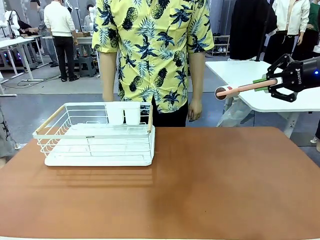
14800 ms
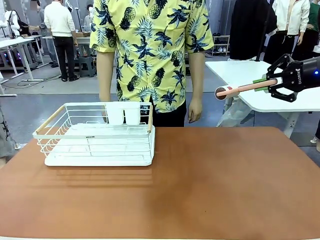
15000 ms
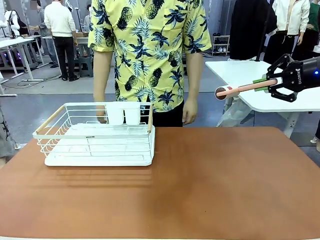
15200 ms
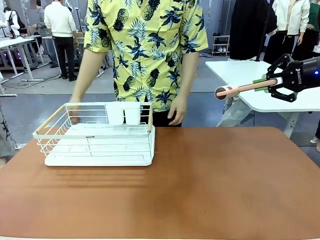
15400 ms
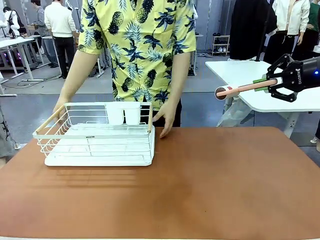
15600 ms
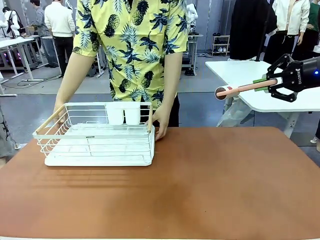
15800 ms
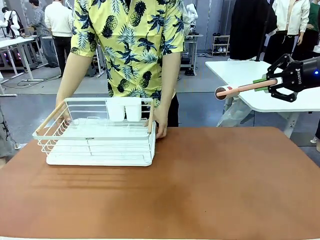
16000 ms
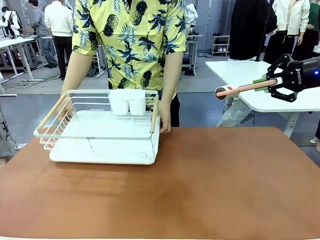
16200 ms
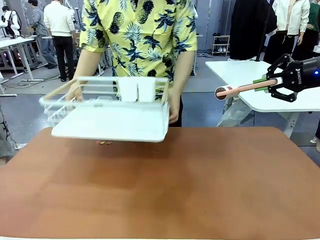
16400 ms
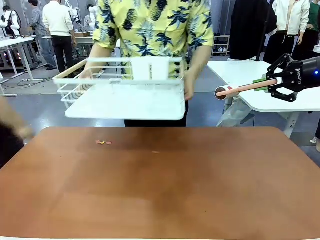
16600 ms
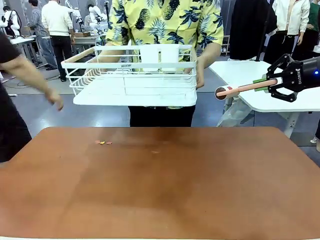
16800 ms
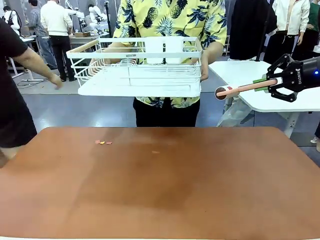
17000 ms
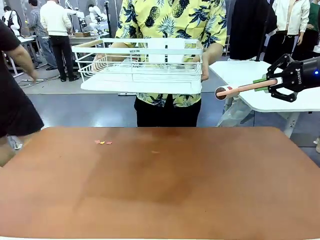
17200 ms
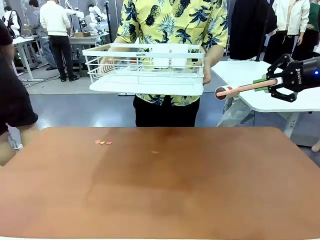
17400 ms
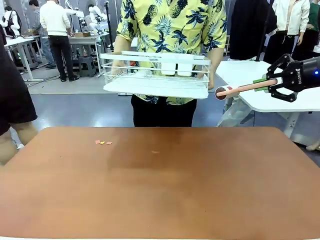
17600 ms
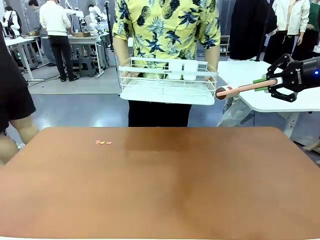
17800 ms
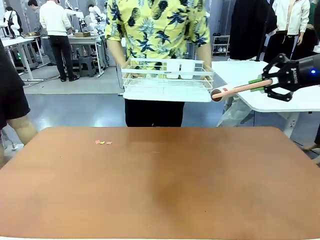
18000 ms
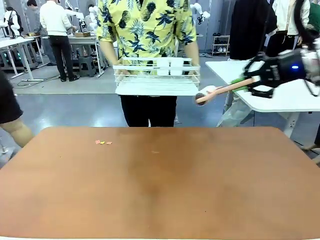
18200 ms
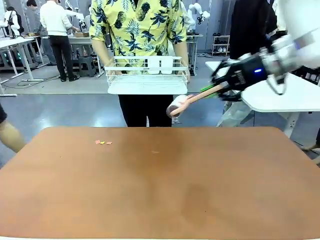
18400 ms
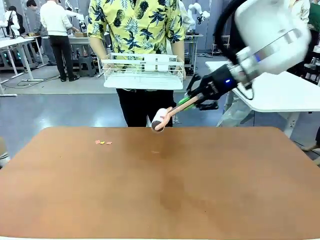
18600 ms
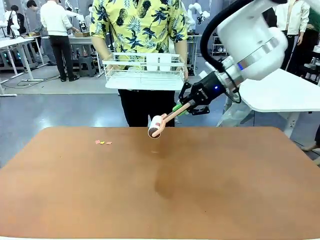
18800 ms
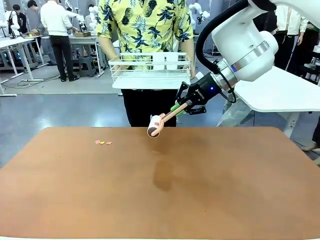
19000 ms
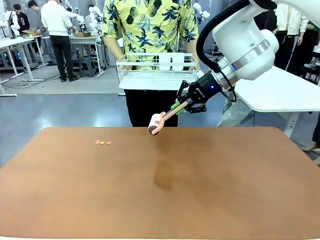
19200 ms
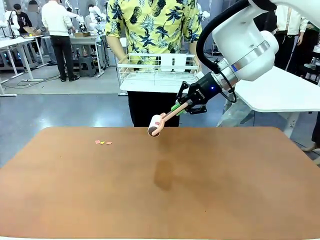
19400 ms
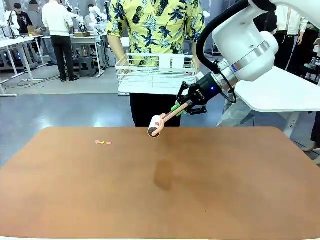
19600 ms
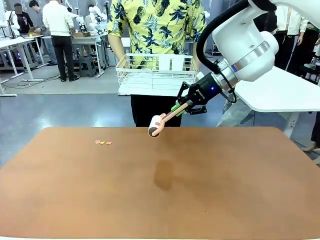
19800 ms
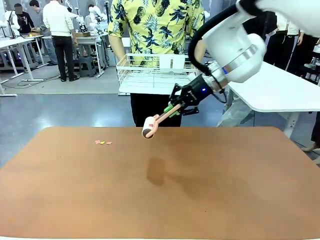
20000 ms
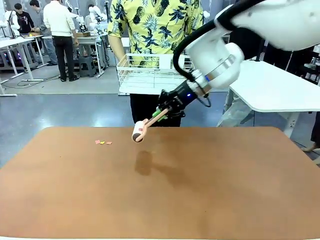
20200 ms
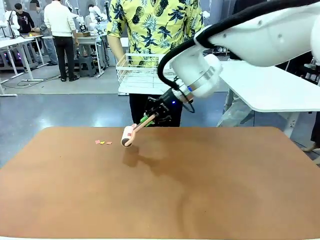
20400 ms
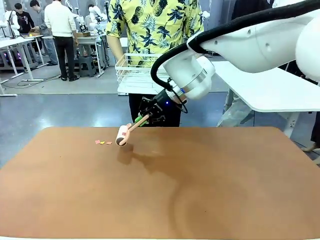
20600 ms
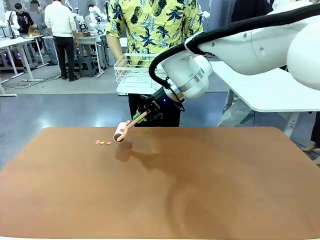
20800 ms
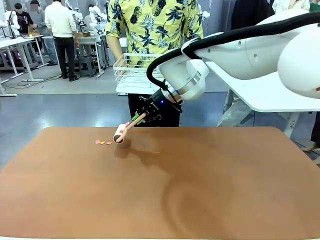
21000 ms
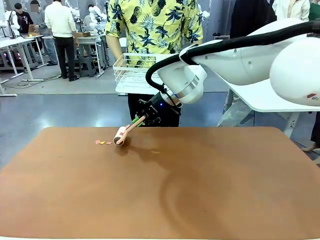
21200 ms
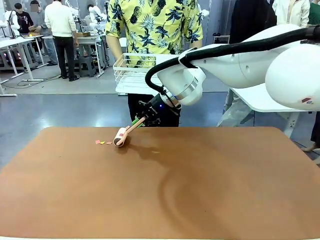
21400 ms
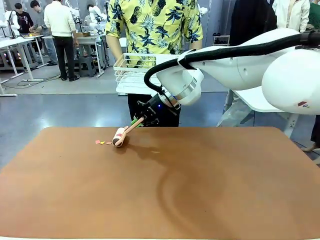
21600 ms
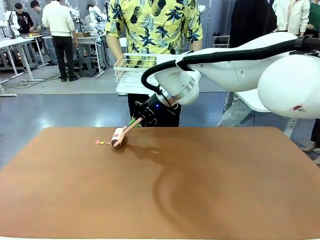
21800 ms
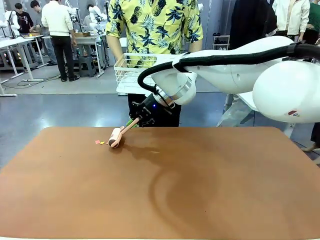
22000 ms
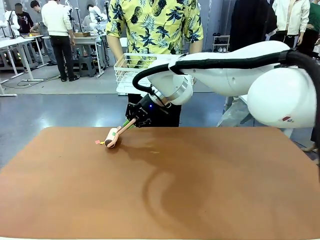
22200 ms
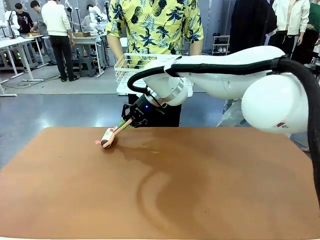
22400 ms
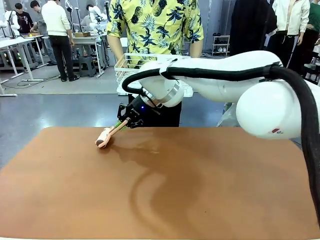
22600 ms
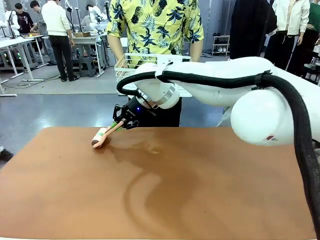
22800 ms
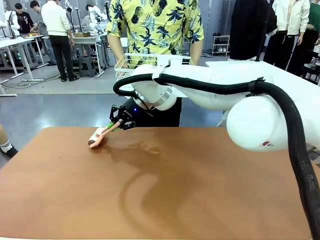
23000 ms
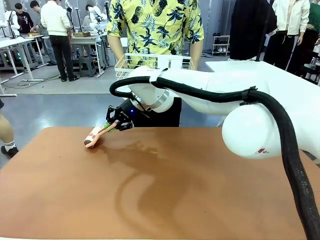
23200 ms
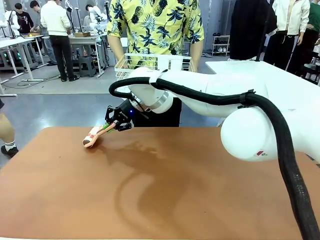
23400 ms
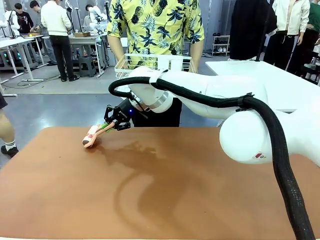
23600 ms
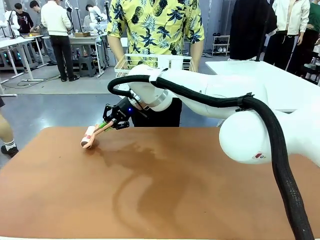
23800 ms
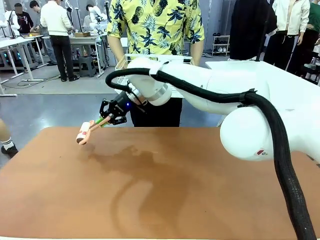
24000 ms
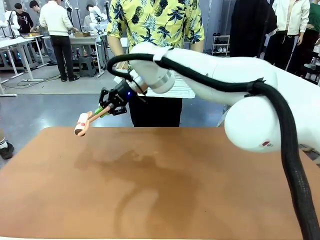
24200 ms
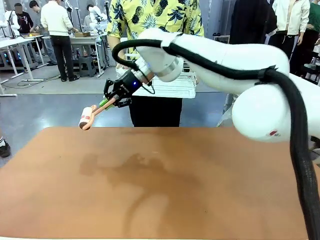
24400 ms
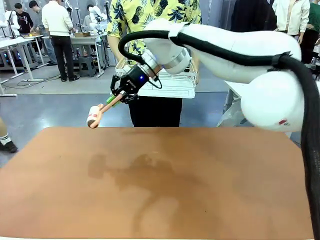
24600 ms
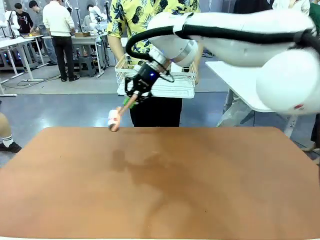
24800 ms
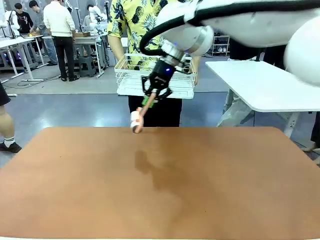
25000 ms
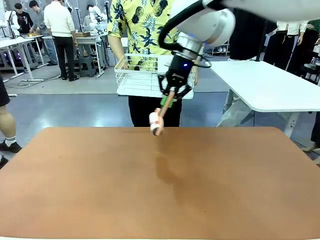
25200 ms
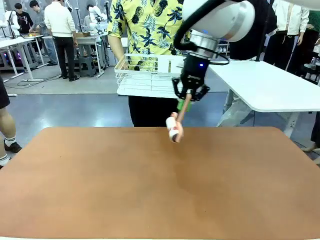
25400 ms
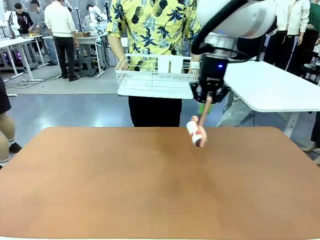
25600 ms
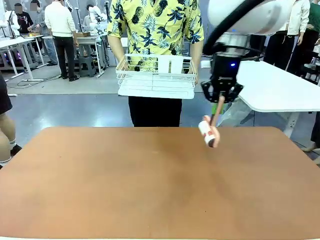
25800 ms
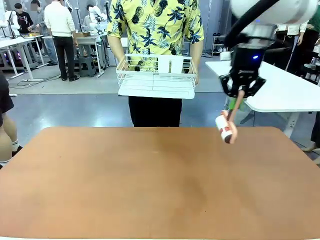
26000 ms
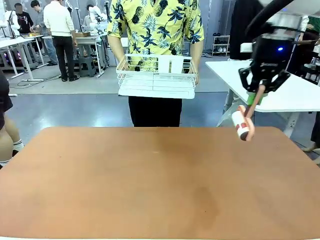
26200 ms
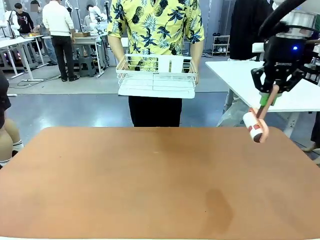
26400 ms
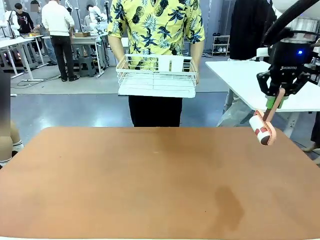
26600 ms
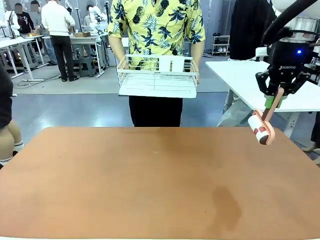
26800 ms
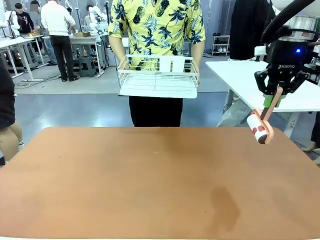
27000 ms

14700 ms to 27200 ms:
Task: Clean the table.
Robot: Clean the table with the Lint Roller when the human lifts the Dish drying rack.

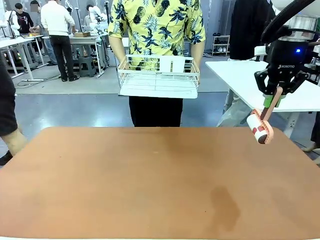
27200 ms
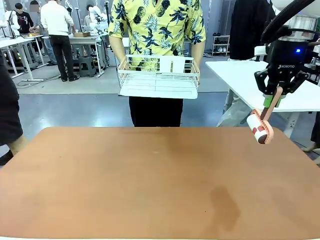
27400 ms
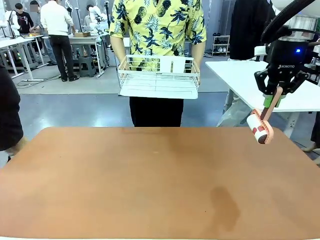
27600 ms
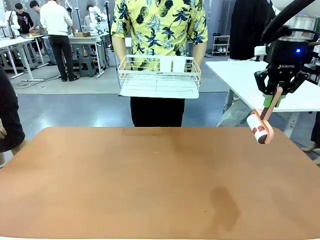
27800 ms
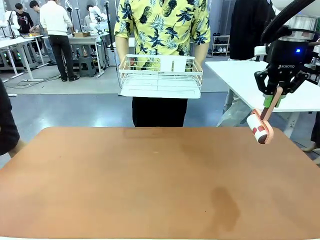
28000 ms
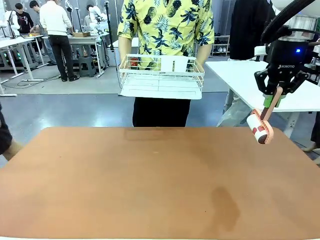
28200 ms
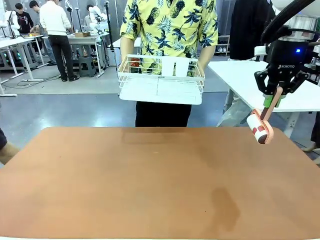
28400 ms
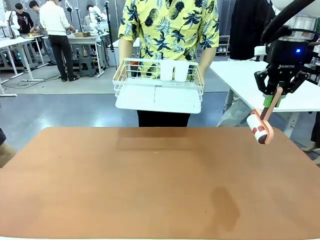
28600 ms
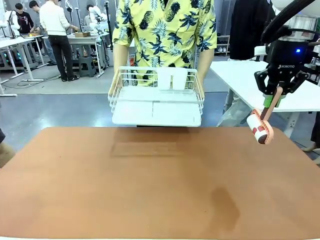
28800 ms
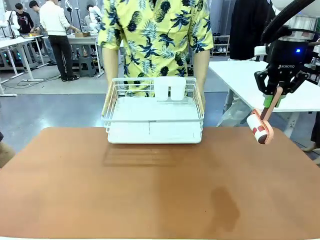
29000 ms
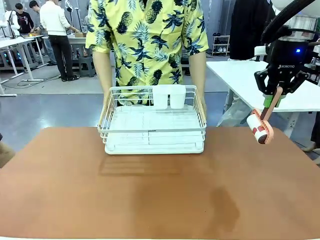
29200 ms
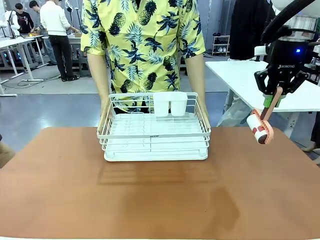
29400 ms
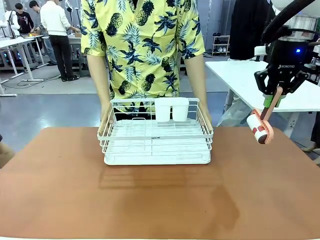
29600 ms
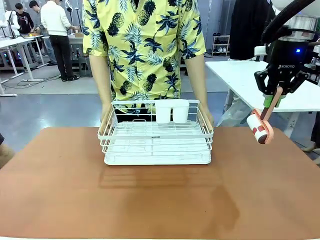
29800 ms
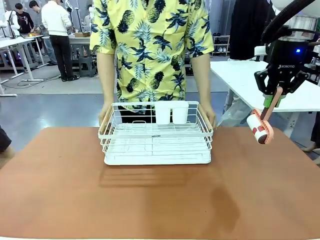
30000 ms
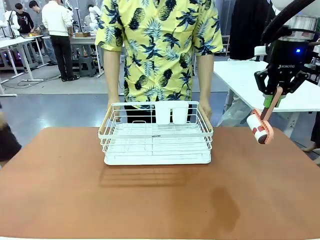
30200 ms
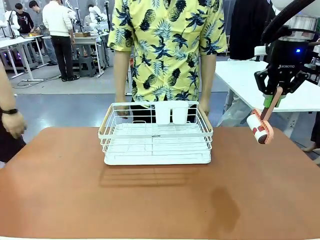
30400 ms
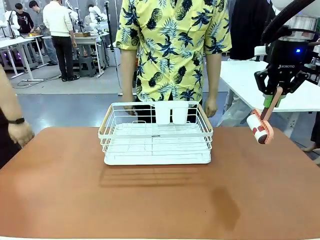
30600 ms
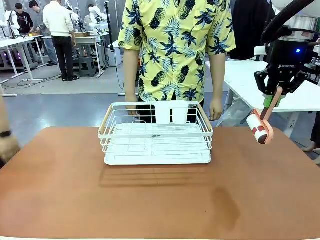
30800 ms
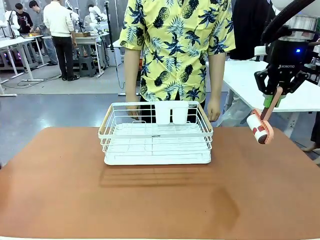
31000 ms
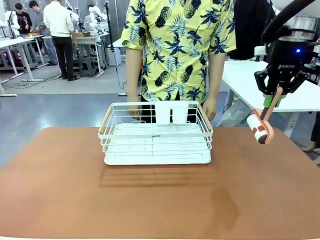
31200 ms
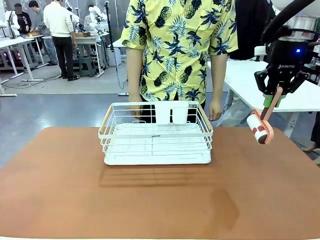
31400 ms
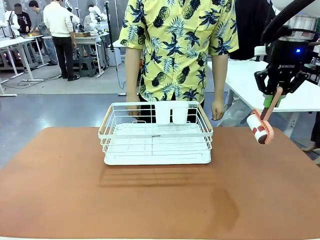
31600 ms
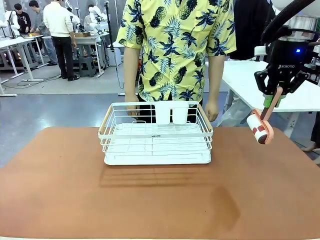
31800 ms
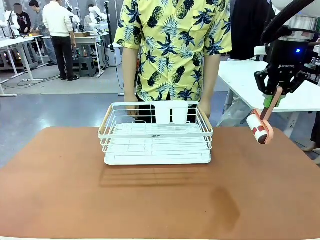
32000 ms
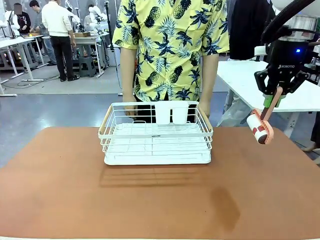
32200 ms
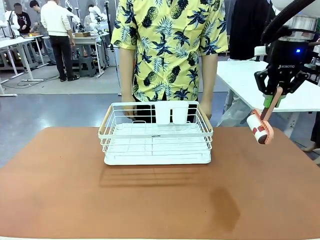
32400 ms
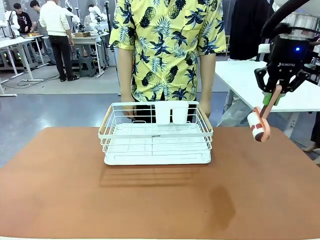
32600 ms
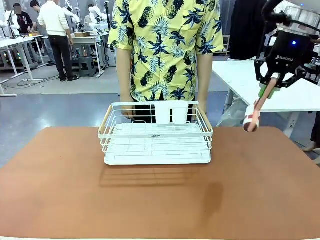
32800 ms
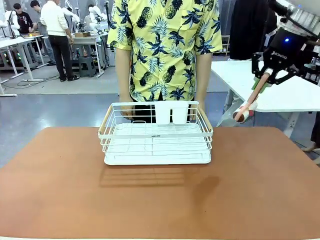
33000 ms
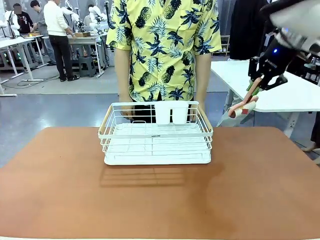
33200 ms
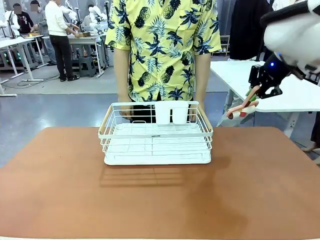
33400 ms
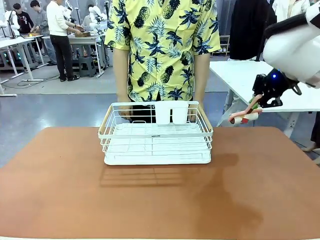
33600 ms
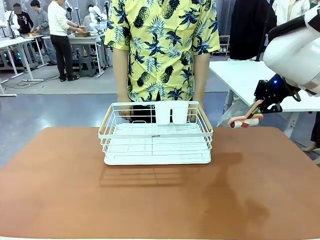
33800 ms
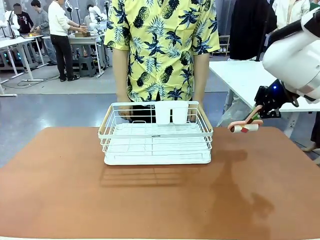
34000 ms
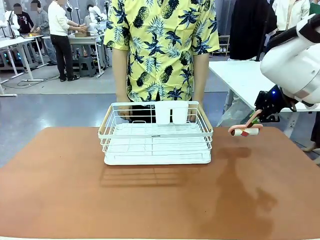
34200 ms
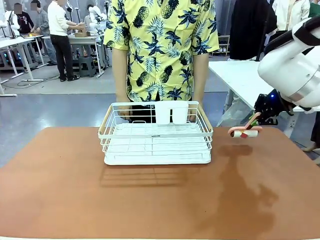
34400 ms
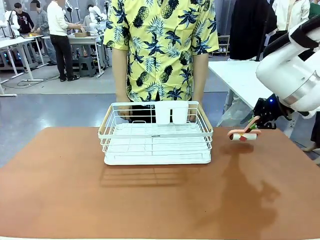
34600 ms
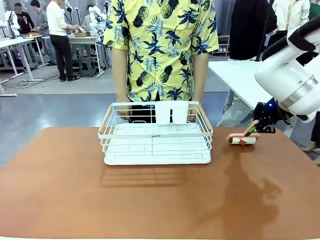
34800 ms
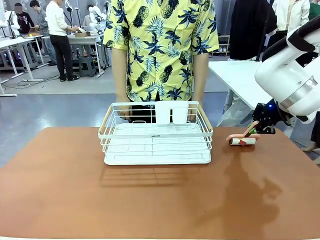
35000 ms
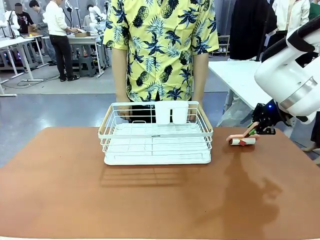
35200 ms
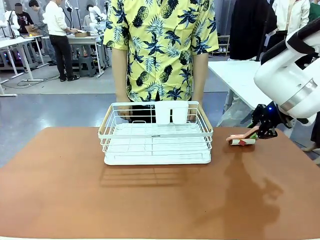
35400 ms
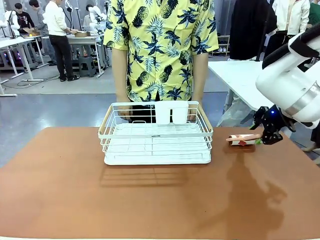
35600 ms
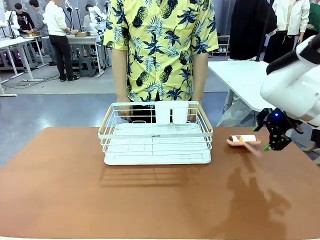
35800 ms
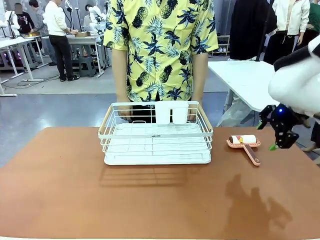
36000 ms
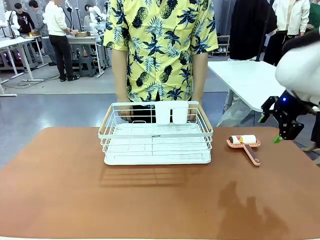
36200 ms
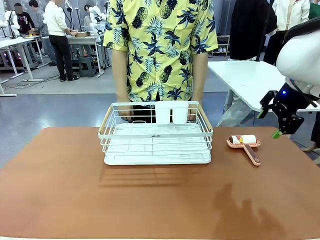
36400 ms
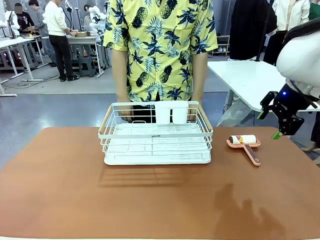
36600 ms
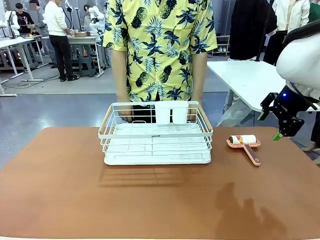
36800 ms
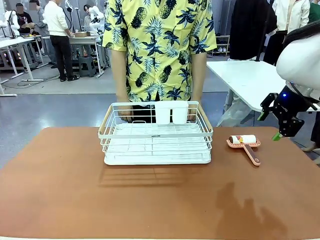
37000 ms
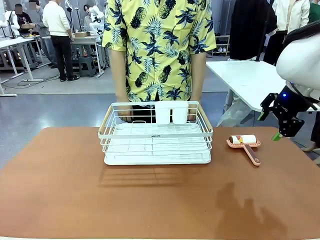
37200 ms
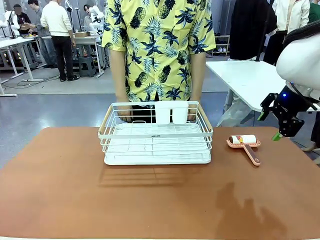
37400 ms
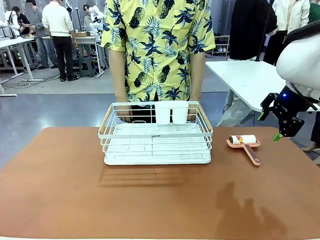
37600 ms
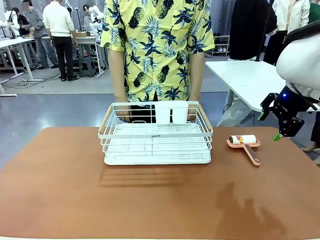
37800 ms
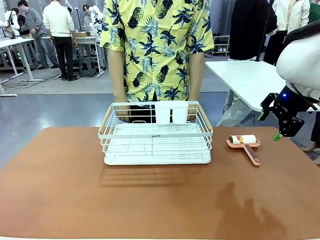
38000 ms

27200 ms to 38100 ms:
Robot: Place the Lint Roller down when the Dish drying rack is positioned in the middle of the table.
Person: Place the Dish drying rack down when the robot finishes cleaning.
